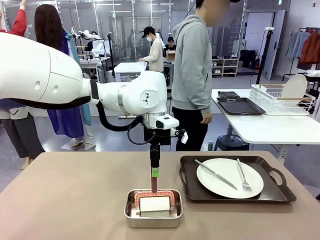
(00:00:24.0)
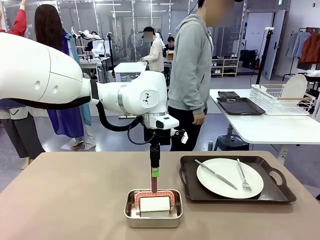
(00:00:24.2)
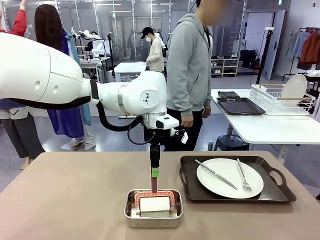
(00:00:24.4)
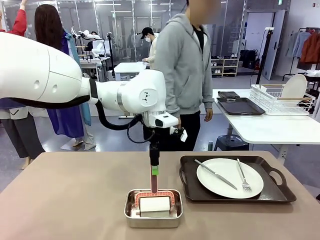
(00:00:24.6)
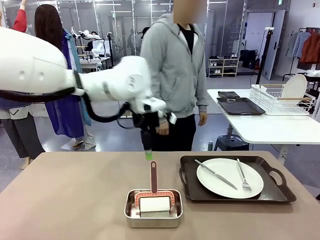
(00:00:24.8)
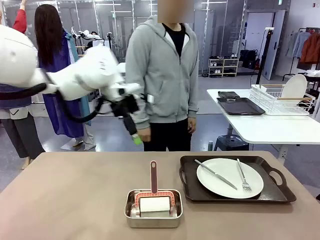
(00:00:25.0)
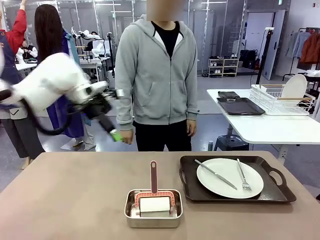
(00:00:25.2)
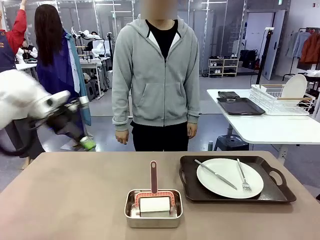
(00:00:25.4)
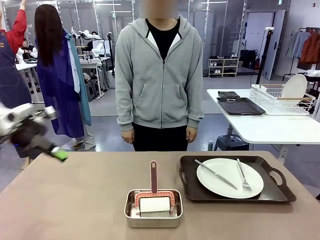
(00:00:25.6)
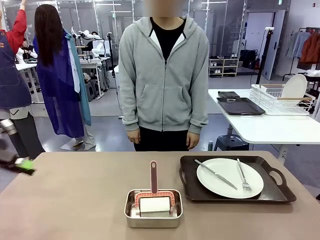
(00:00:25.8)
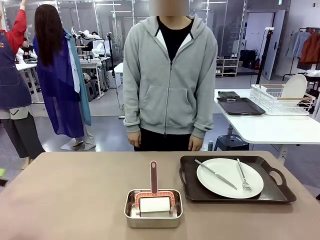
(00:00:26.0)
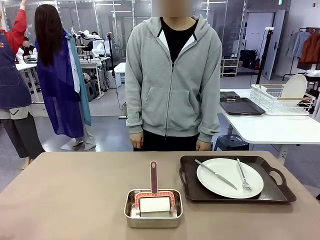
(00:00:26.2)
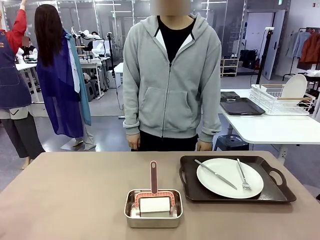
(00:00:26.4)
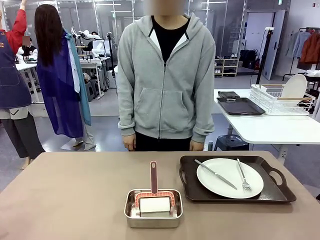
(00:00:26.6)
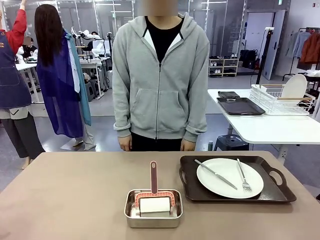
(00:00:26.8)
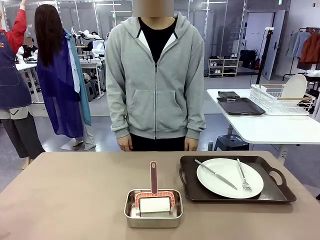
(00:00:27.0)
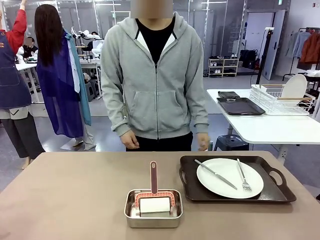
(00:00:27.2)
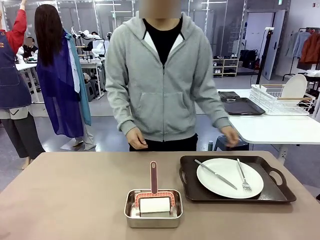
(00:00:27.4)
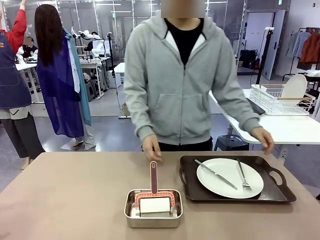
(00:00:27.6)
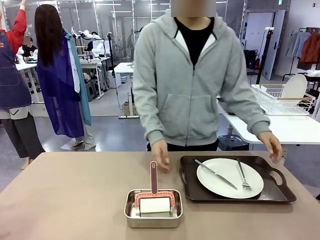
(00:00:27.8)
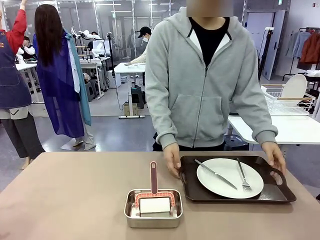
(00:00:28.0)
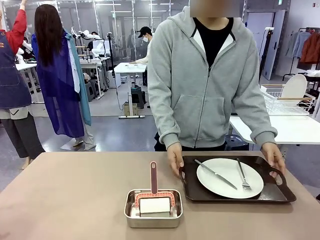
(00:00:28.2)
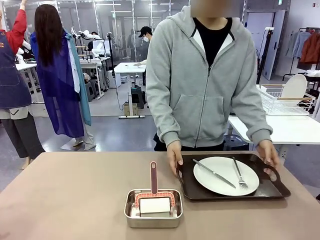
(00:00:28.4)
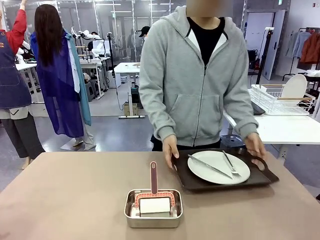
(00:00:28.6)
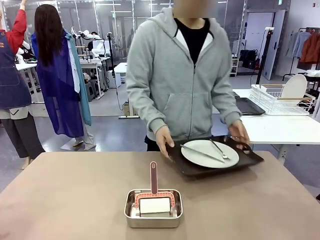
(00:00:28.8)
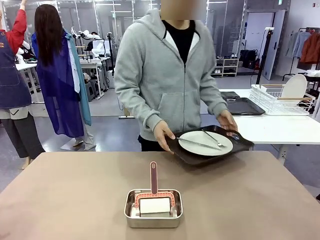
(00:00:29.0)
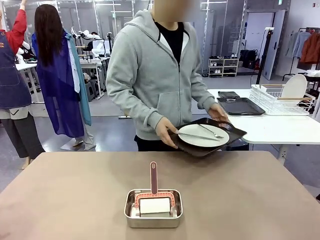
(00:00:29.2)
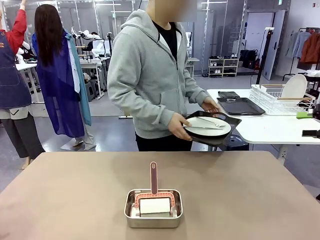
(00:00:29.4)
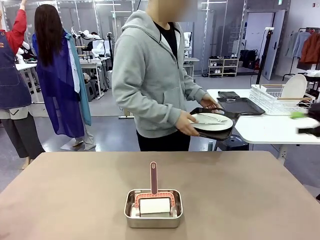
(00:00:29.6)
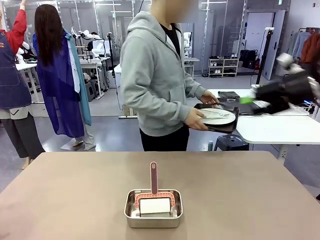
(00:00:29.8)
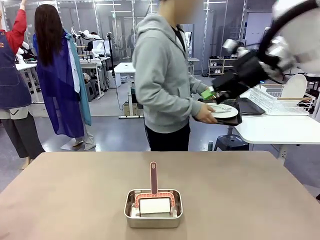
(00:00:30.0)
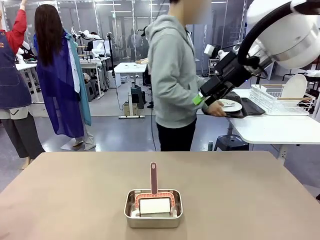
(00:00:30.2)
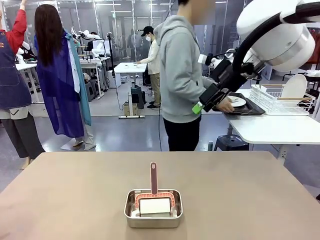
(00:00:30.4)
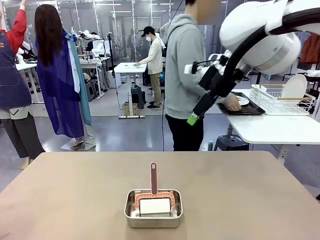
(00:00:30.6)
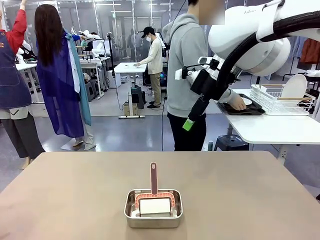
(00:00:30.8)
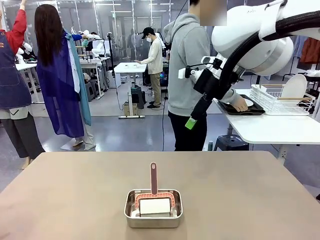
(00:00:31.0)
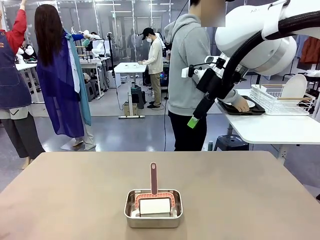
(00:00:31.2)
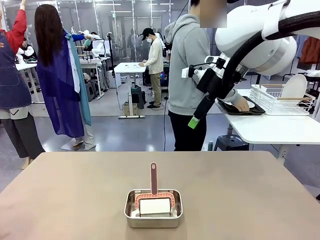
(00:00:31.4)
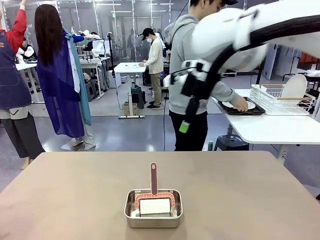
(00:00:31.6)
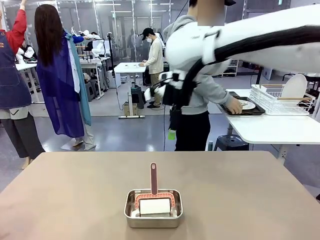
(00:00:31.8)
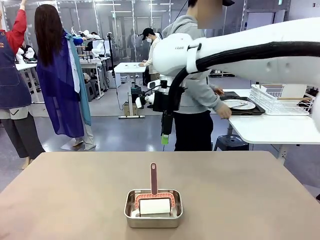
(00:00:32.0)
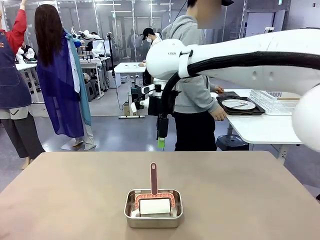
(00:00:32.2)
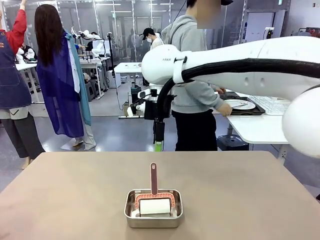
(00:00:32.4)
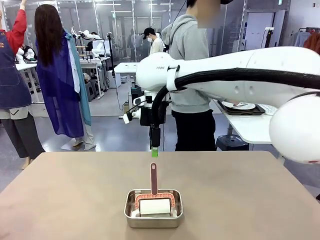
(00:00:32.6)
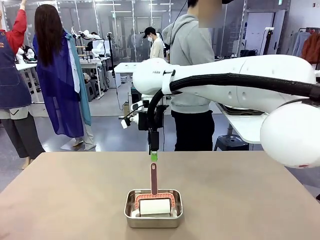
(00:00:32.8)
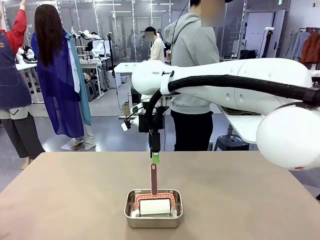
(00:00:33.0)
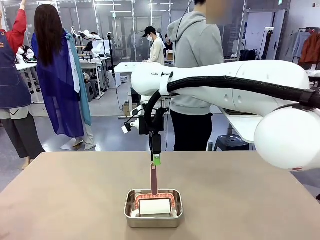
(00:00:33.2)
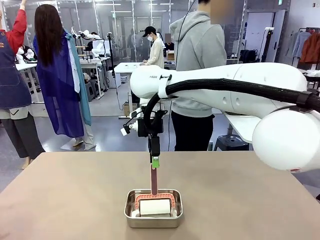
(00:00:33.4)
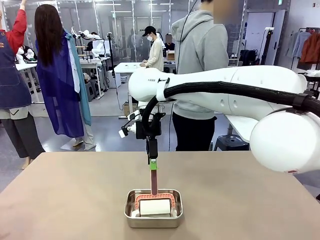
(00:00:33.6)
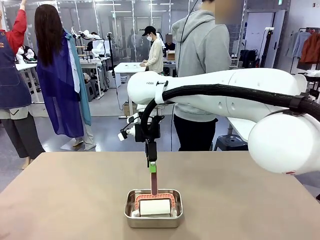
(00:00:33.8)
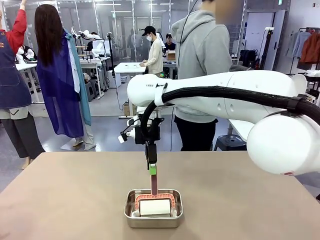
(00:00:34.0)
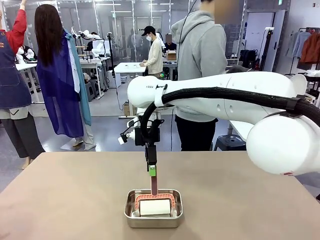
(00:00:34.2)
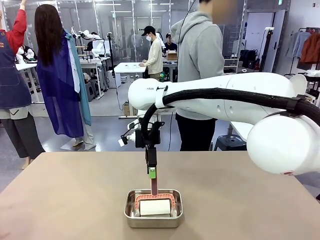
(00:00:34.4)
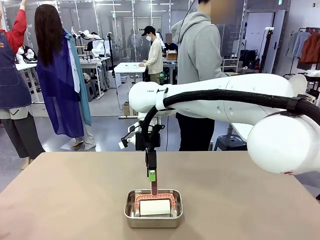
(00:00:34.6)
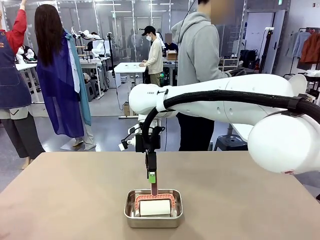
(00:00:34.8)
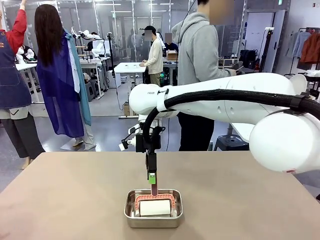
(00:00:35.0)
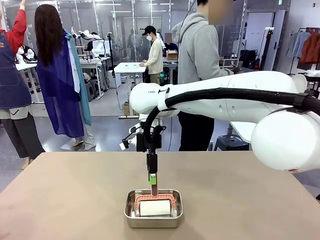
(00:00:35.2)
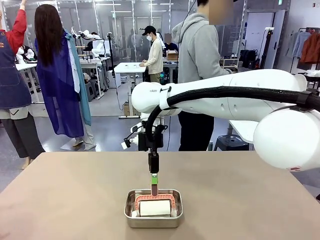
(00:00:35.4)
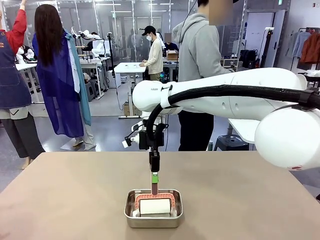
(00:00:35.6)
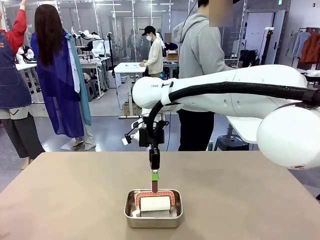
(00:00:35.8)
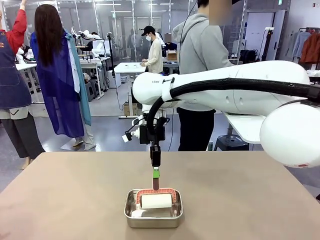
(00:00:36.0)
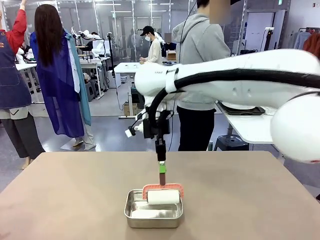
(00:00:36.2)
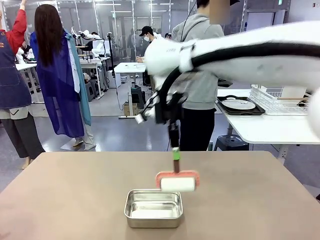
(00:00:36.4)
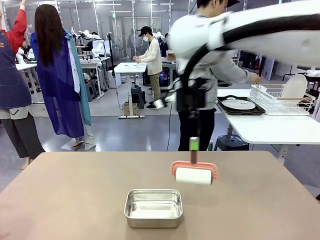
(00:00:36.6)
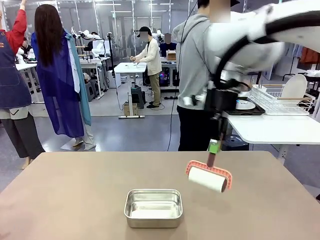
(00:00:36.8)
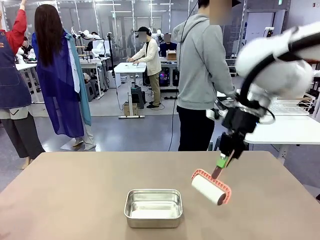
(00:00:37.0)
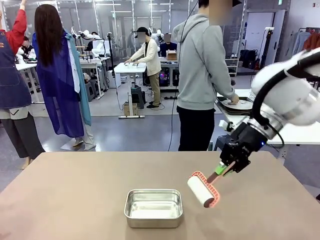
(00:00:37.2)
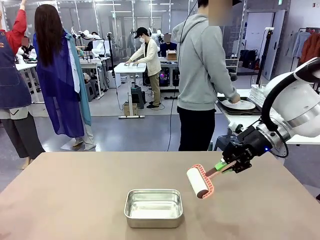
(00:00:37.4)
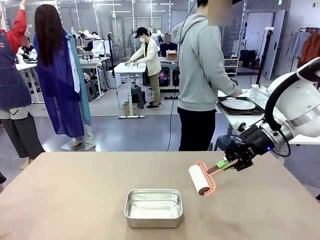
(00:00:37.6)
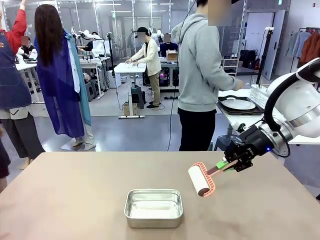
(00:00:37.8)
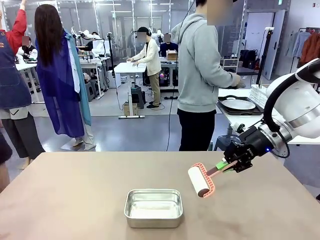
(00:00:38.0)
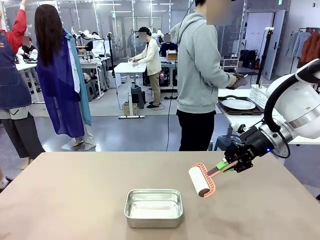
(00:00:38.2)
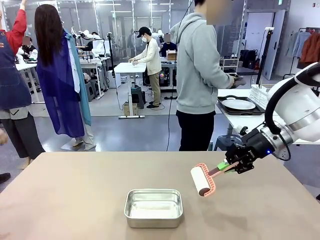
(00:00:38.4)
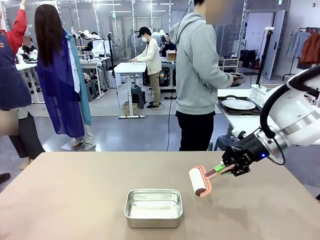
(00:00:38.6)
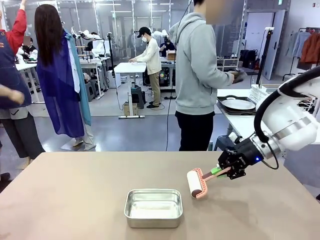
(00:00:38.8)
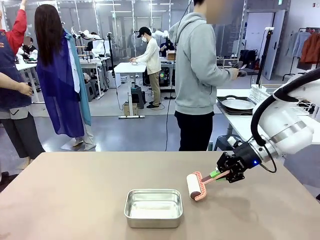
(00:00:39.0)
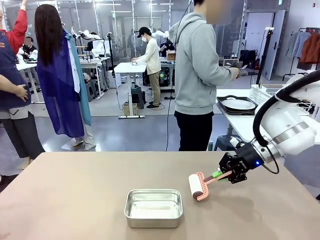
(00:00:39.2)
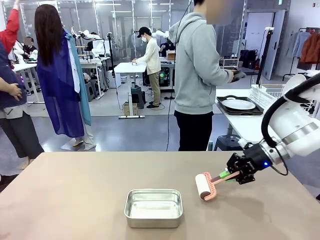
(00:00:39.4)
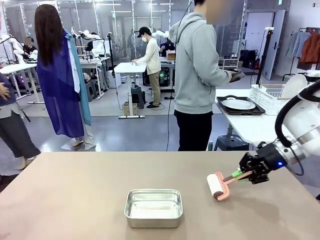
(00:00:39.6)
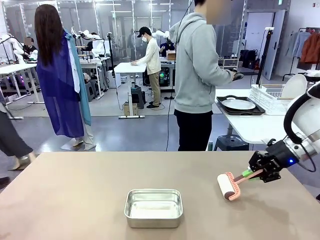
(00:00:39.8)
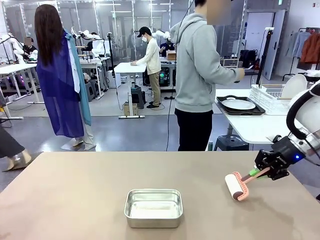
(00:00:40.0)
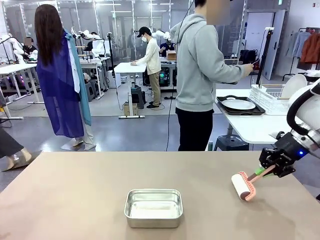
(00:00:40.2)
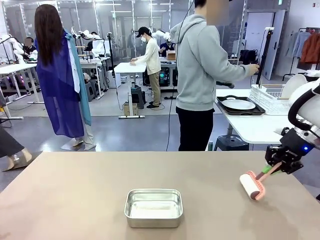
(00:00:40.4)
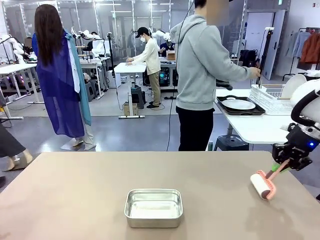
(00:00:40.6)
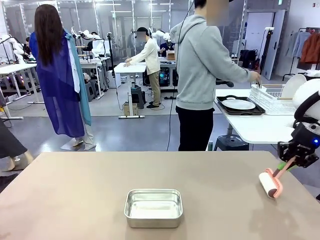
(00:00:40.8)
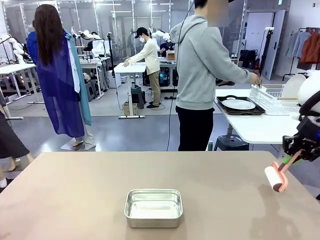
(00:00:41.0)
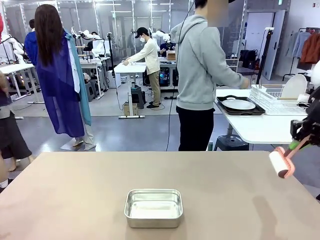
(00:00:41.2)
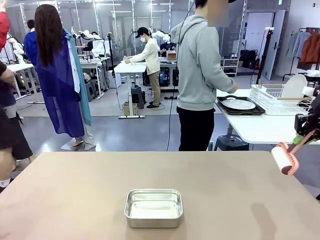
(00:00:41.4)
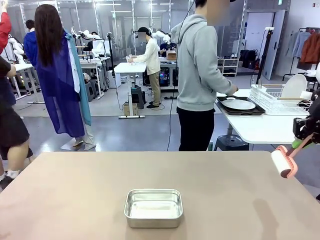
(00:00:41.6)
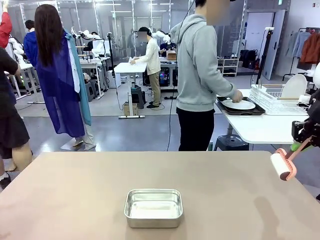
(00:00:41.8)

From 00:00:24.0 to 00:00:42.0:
Robot: When the right (or left) Handle tray is removed, use the right hand (or left hand) to clean the right (or left) side of the table with the Lint Roller.
Person: Pick up the left (or right) Handle tray and place it on the Handle tray.
